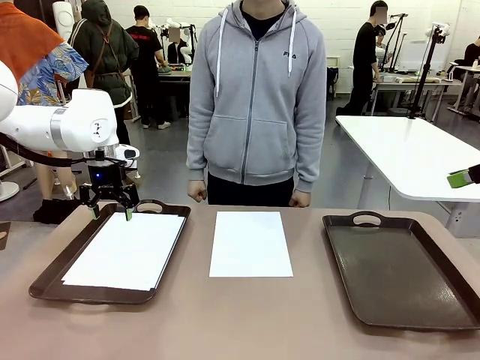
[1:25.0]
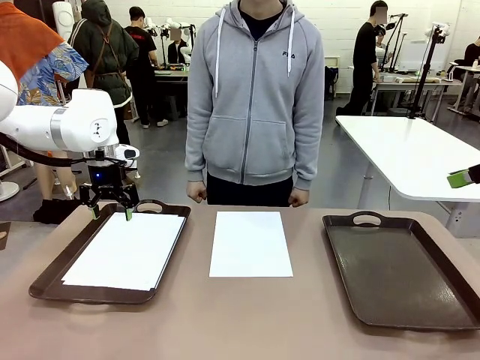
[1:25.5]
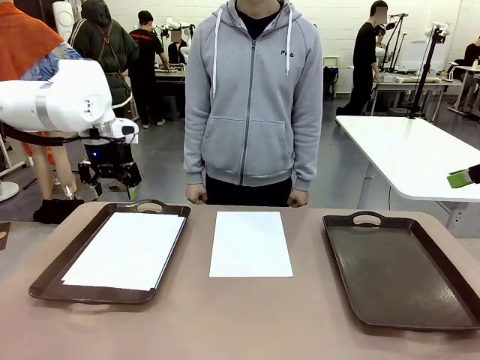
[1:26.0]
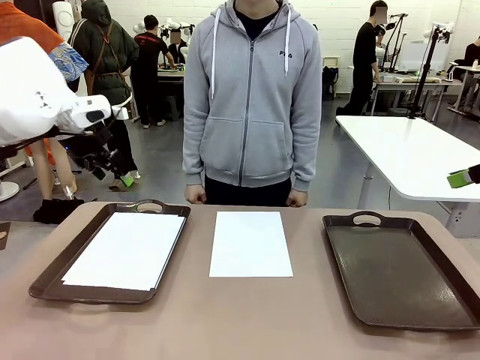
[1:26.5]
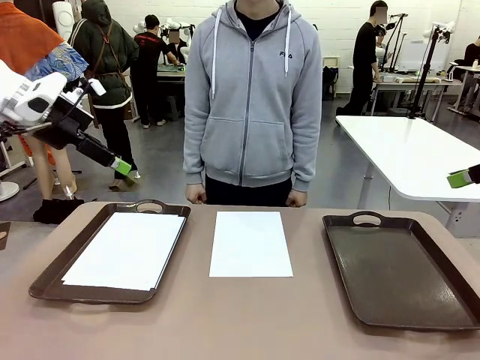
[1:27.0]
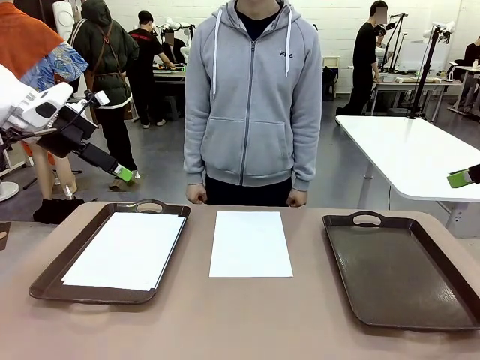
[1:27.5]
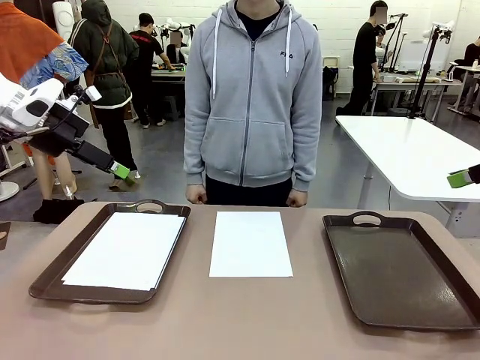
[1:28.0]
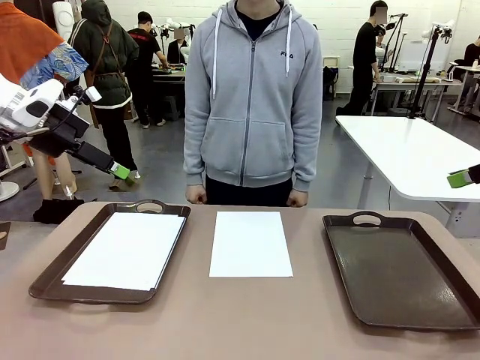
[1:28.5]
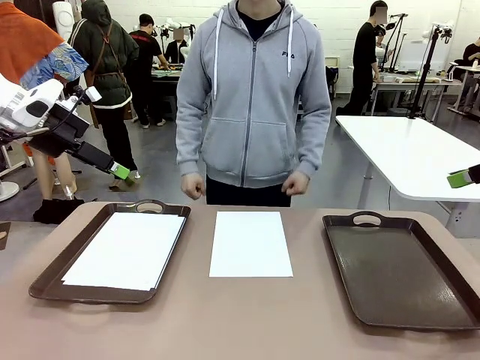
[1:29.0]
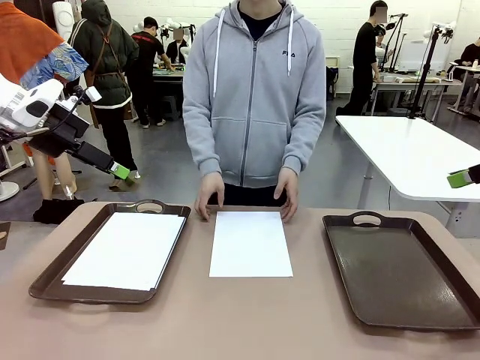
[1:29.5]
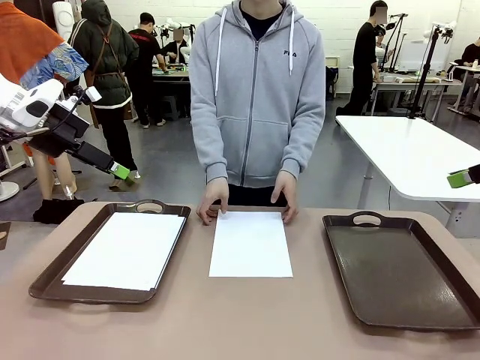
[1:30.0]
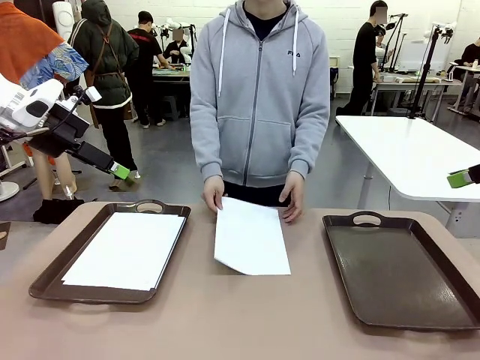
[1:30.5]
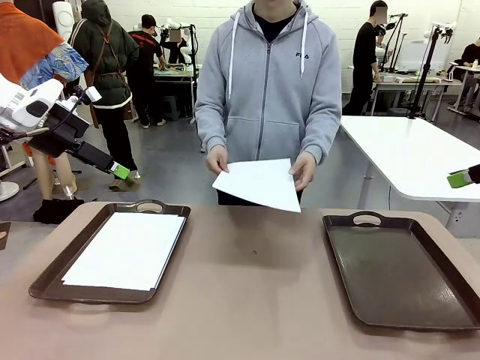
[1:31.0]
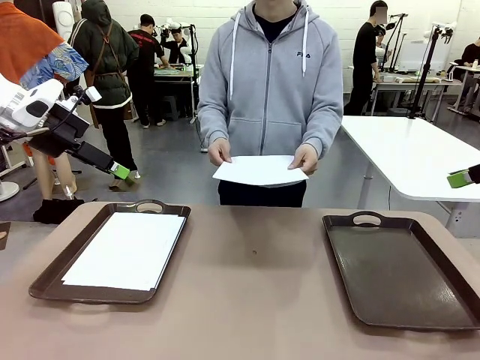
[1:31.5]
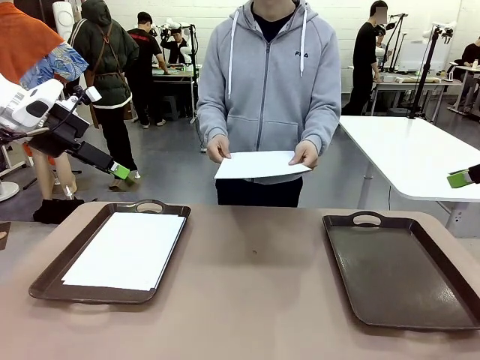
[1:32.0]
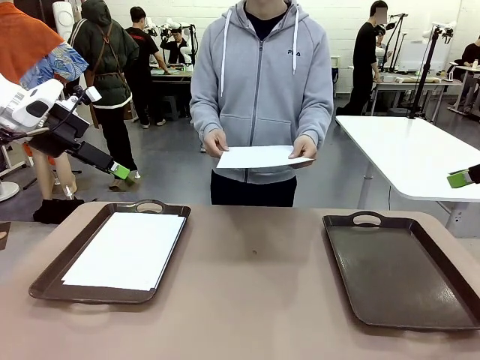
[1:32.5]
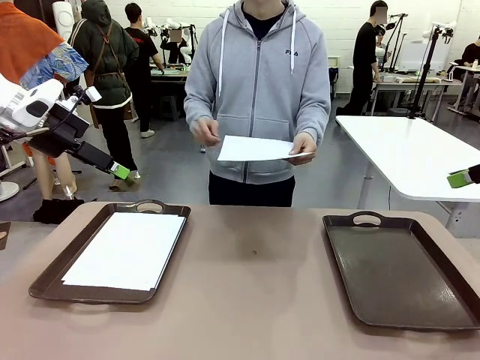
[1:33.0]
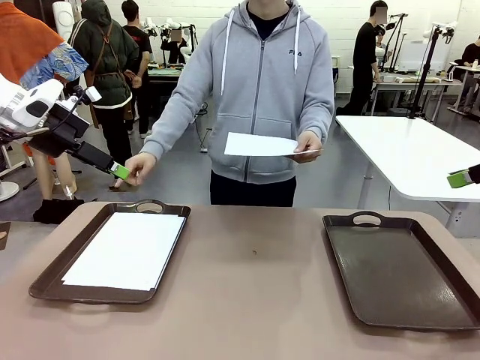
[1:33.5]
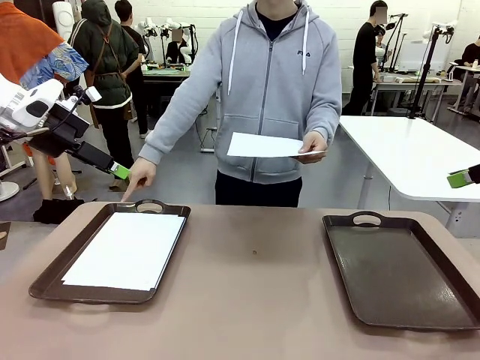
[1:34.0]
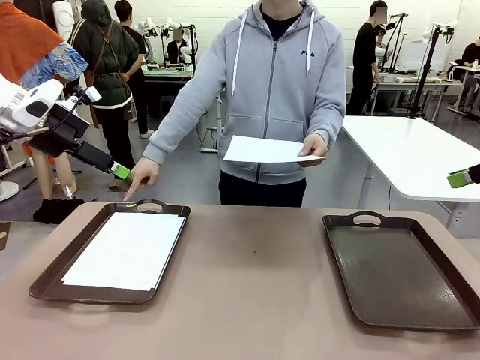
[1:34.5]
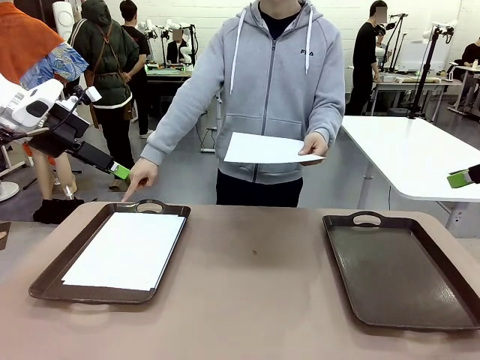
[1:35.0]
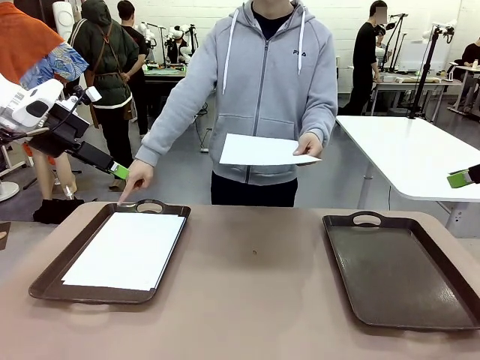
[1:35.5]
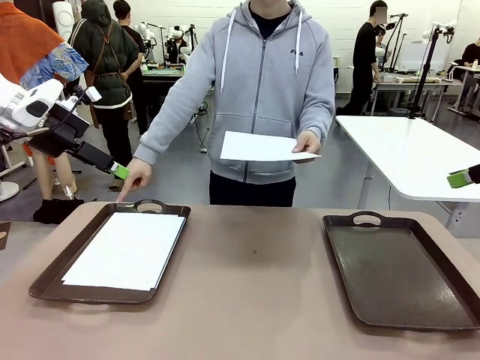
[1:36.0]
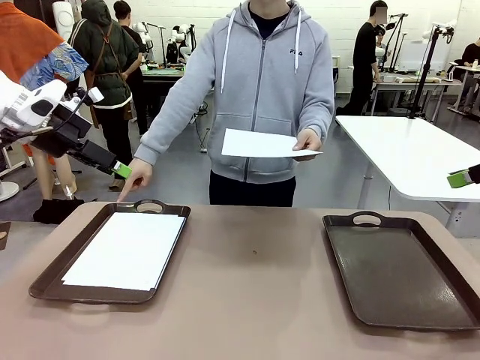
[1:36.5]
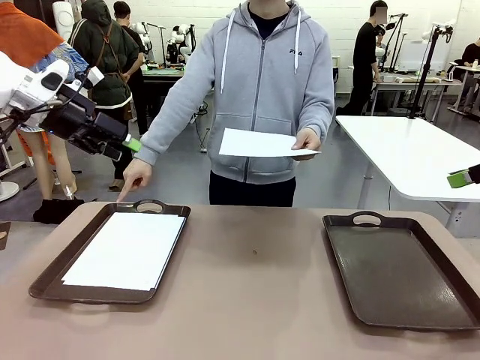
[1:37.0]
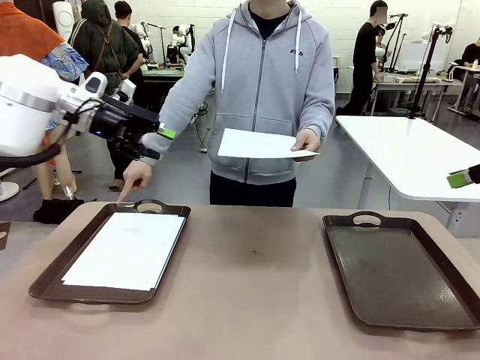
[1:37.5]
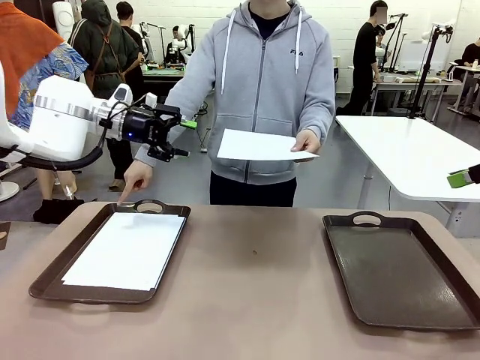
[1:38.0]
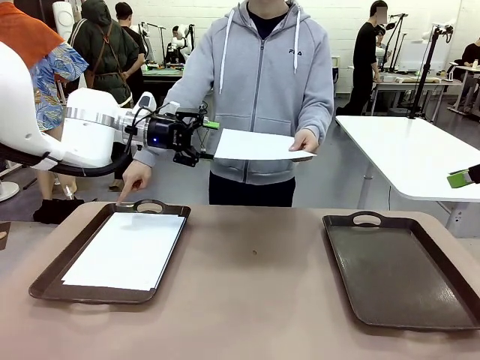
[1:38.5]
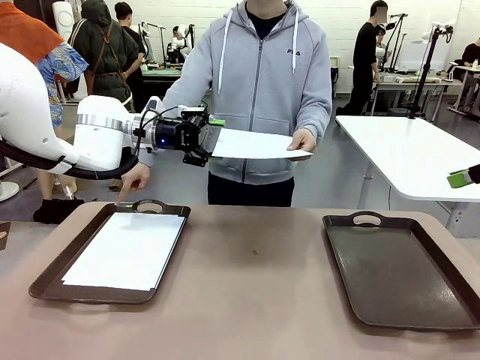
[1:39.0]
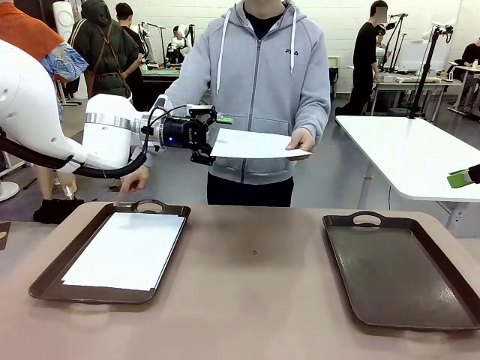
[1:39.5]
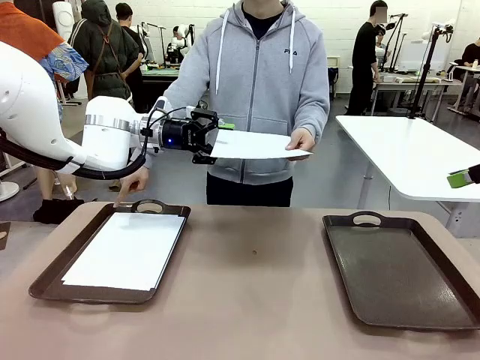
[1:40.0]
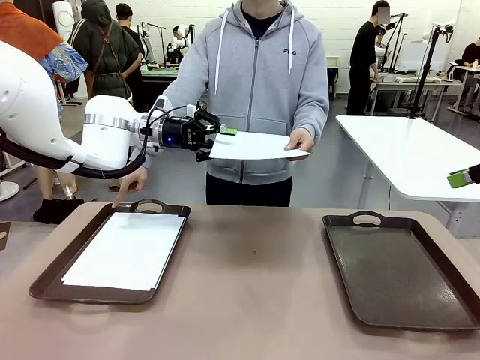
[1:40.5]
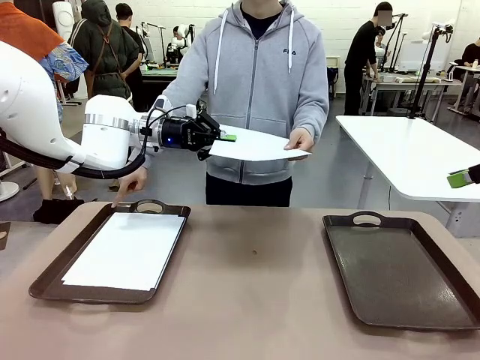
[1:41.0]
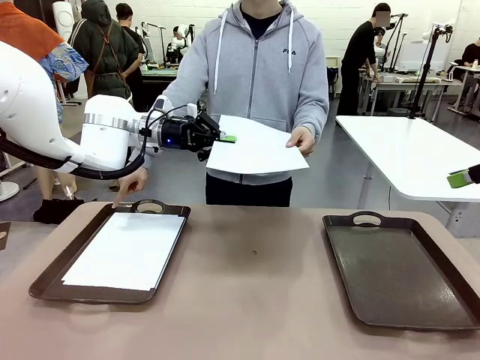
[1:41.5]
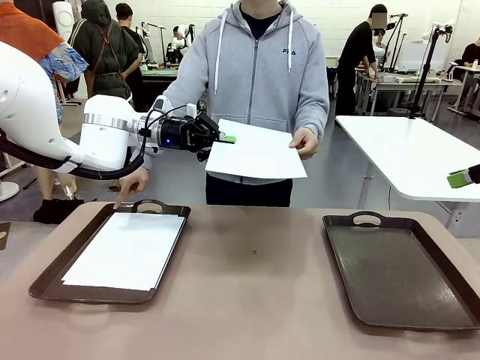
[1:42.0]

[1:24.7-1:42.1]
Task: Sort the A4 documents.
Robot: Receive the A4 Paper.
Person: Point the randomly selected tray with the other hand.

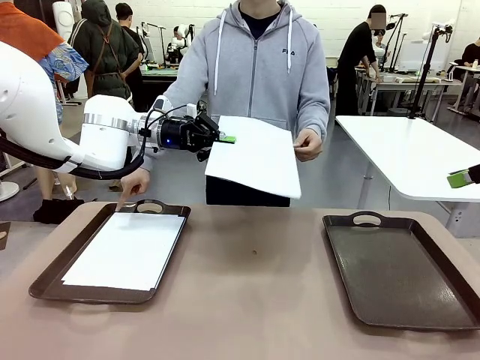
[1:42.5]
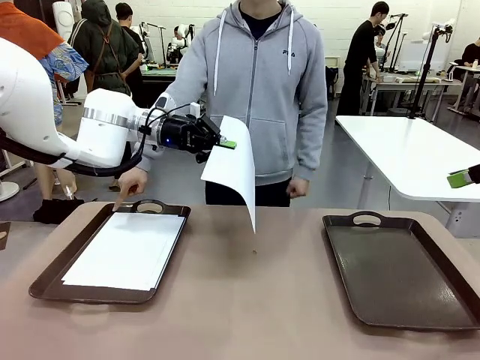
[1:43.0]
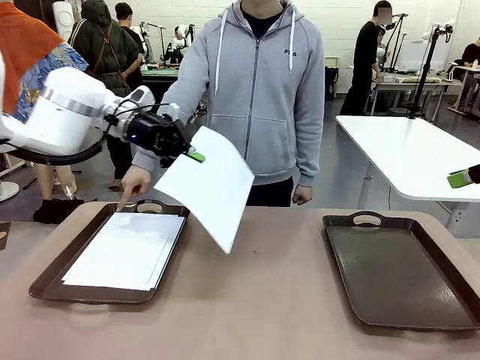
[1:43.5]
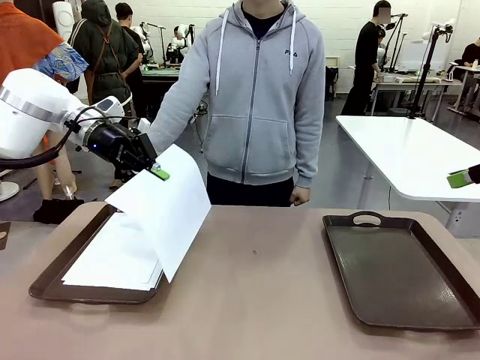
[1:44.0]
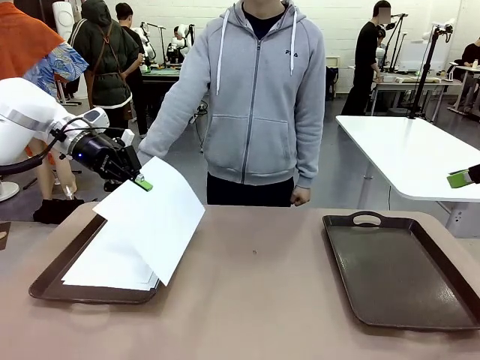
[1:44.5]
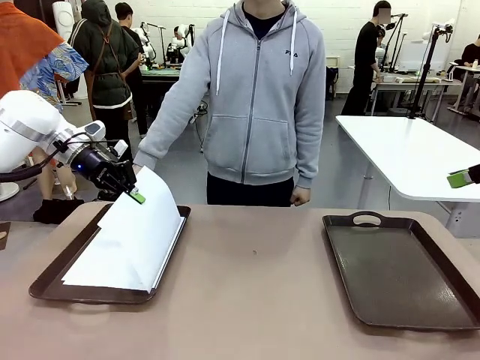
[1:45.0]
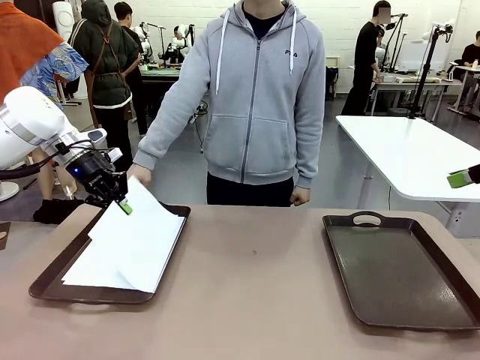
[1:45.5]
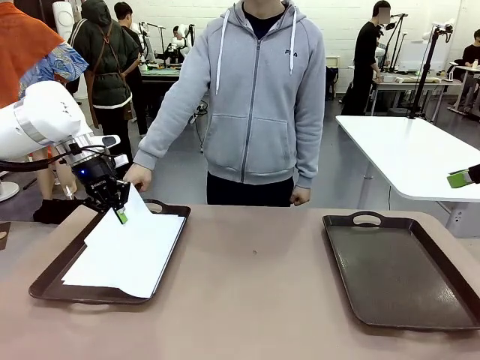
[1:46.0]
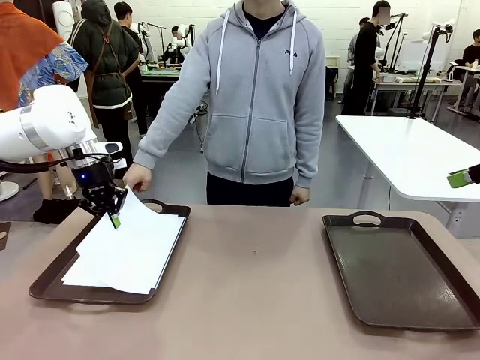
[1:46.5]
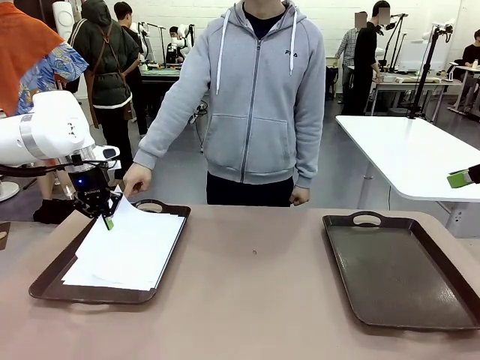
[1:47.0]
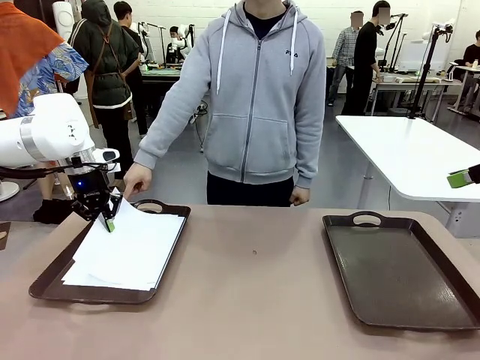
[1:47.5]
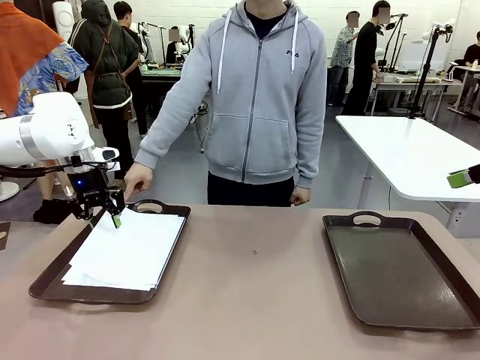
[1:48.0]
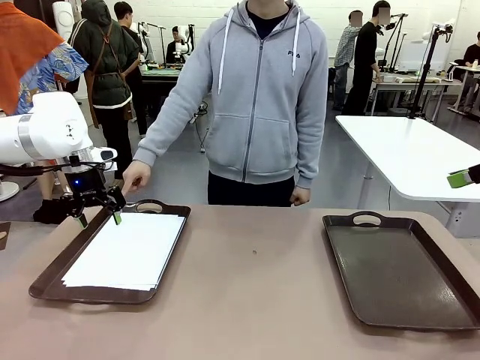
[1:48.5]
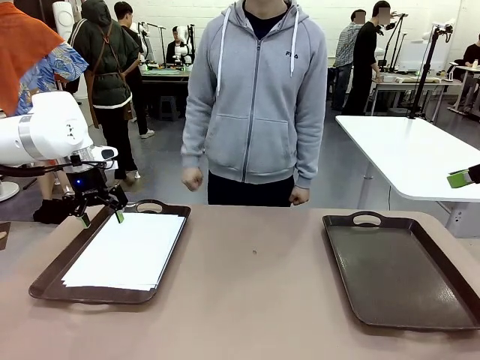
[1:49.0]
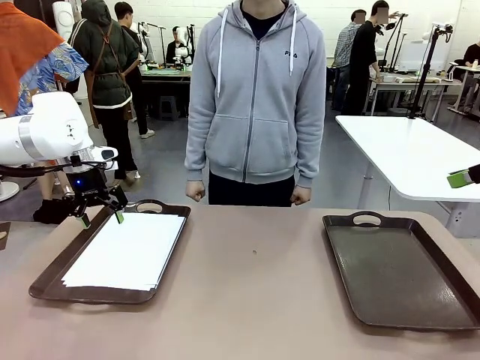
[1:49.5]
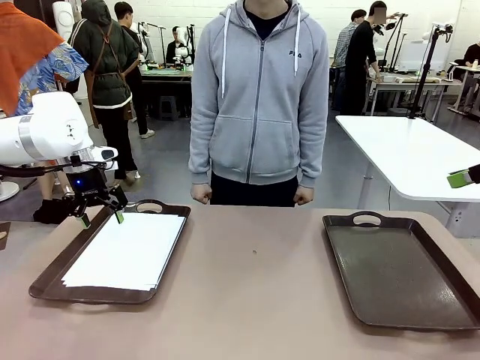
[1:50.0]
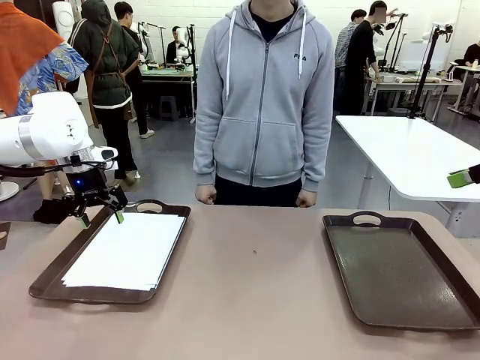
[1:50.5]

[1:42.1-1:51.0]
Robot: Place the A4 Paper in the designated Handle tray.
